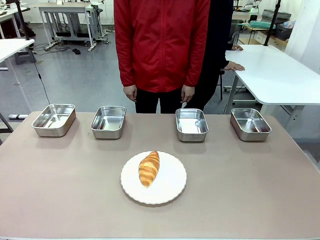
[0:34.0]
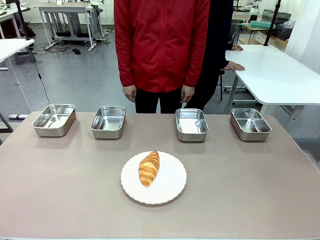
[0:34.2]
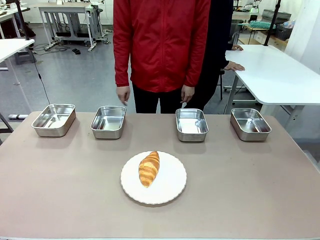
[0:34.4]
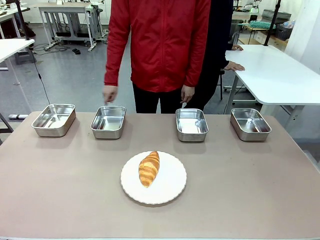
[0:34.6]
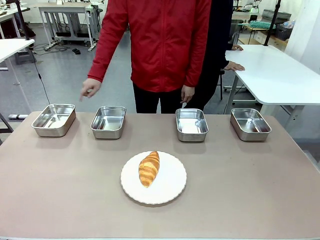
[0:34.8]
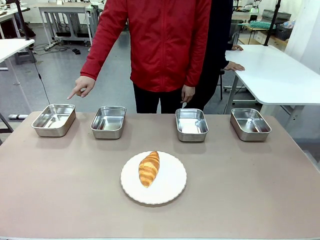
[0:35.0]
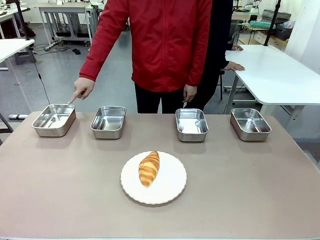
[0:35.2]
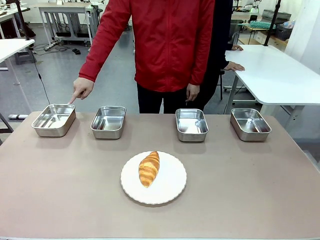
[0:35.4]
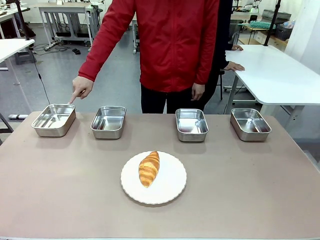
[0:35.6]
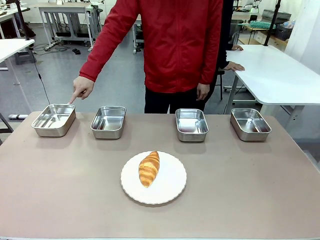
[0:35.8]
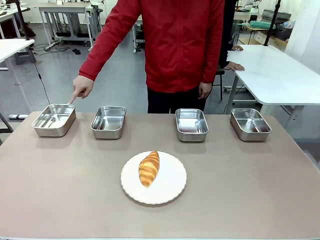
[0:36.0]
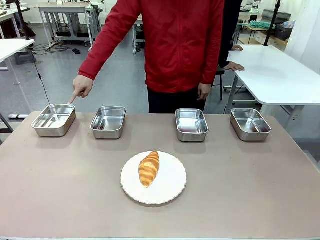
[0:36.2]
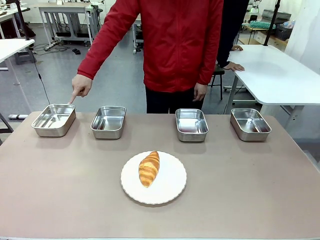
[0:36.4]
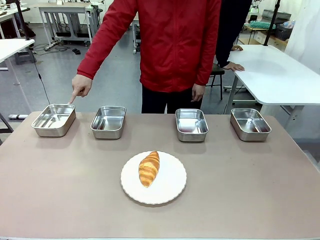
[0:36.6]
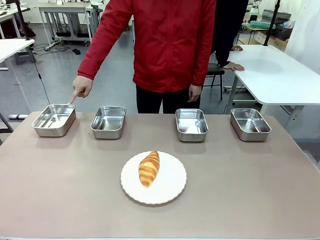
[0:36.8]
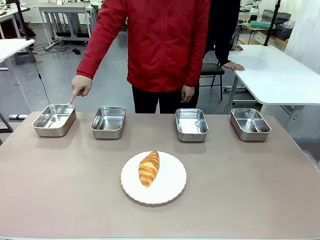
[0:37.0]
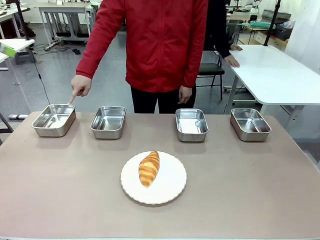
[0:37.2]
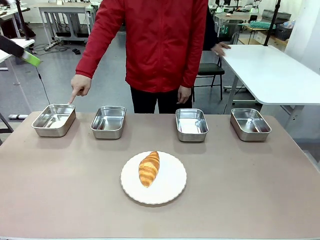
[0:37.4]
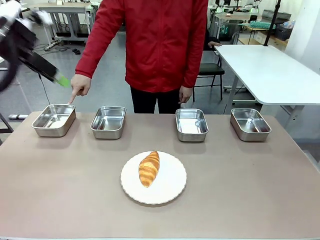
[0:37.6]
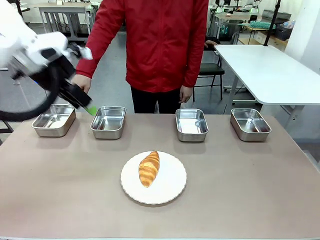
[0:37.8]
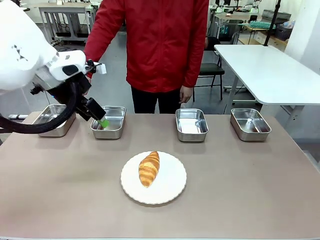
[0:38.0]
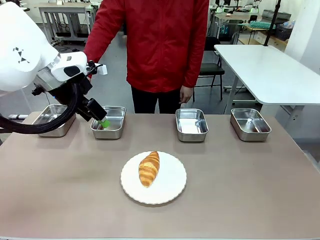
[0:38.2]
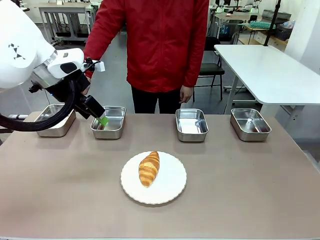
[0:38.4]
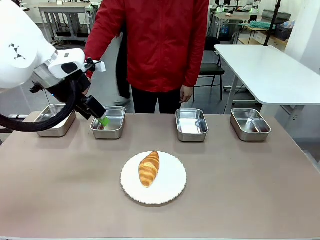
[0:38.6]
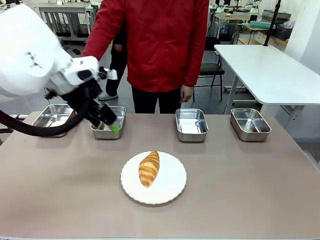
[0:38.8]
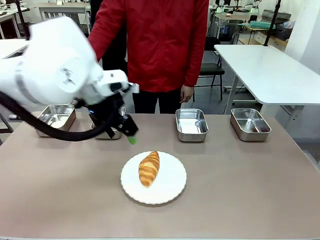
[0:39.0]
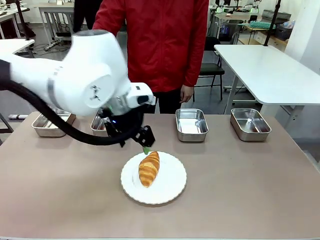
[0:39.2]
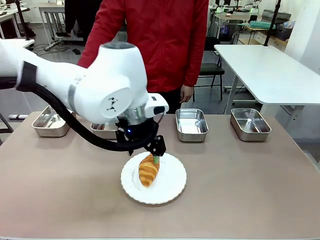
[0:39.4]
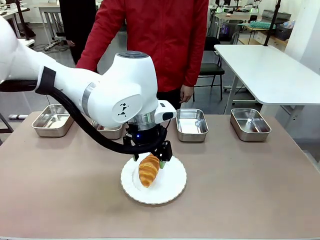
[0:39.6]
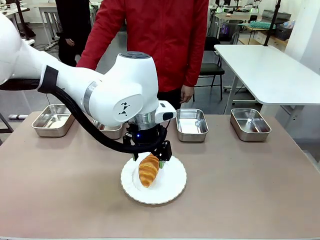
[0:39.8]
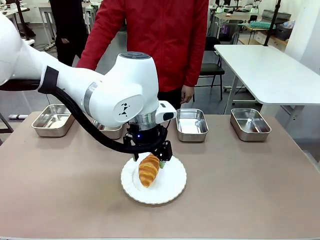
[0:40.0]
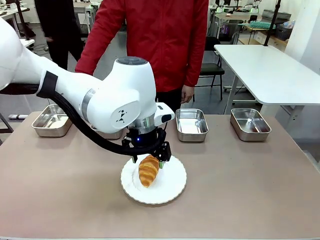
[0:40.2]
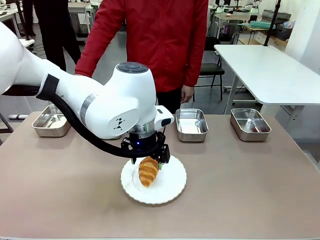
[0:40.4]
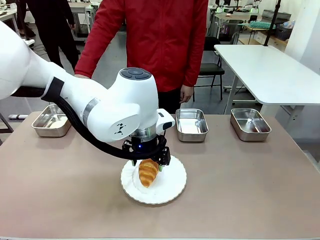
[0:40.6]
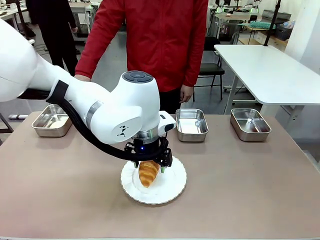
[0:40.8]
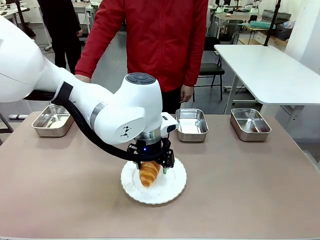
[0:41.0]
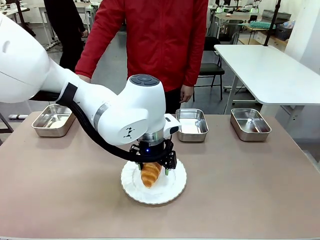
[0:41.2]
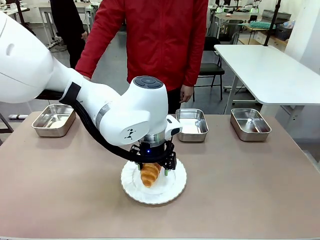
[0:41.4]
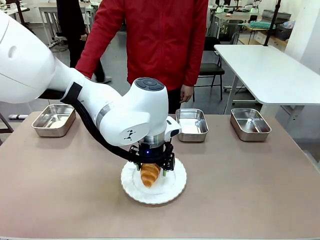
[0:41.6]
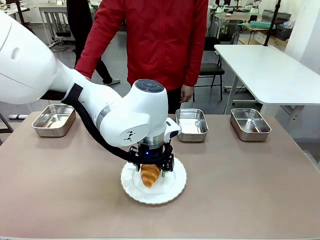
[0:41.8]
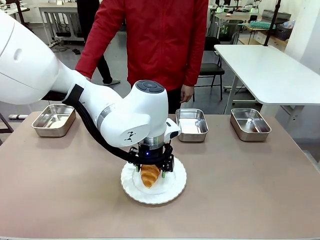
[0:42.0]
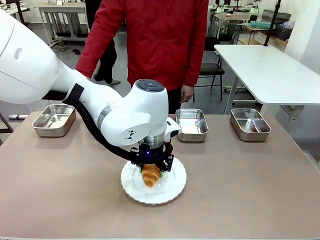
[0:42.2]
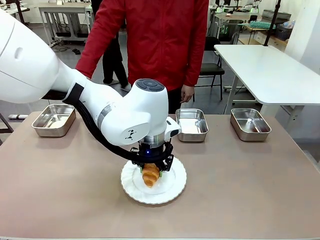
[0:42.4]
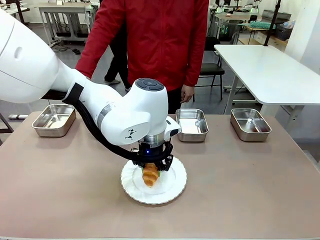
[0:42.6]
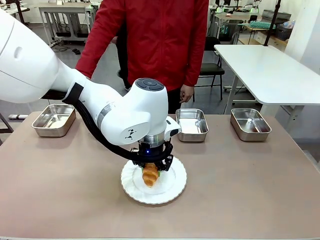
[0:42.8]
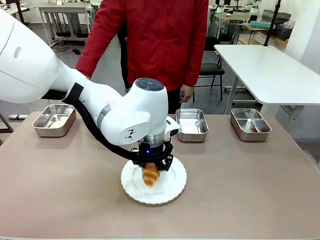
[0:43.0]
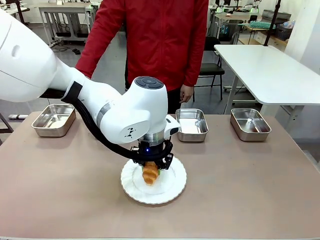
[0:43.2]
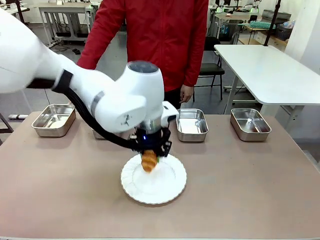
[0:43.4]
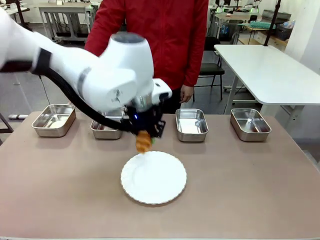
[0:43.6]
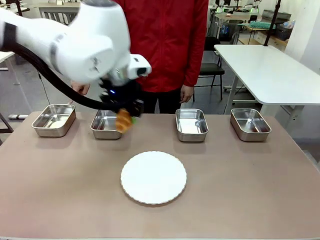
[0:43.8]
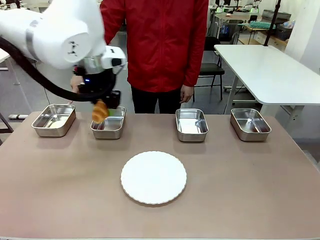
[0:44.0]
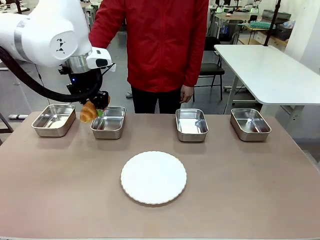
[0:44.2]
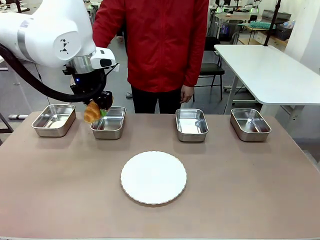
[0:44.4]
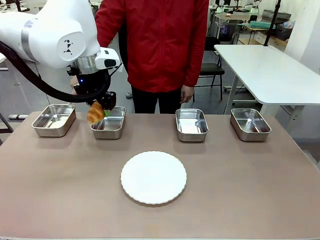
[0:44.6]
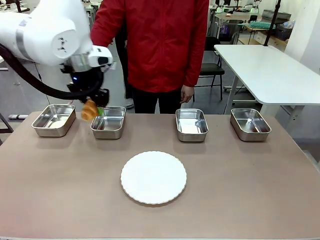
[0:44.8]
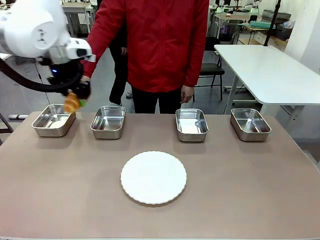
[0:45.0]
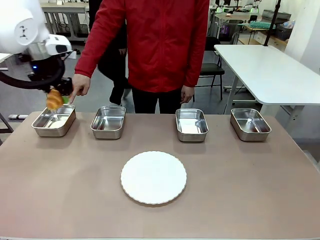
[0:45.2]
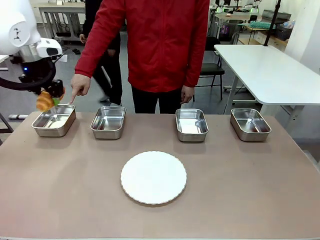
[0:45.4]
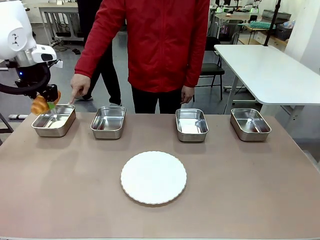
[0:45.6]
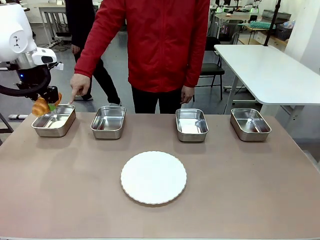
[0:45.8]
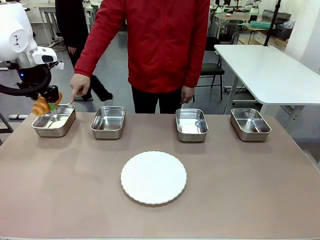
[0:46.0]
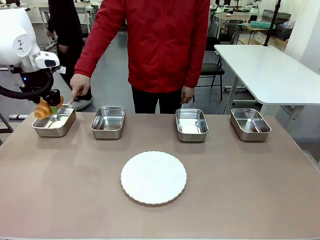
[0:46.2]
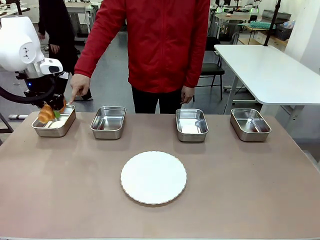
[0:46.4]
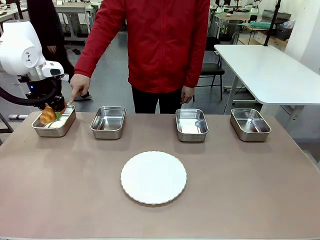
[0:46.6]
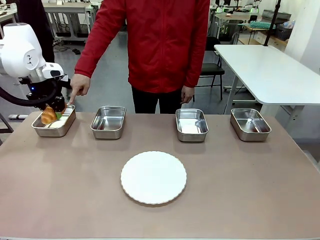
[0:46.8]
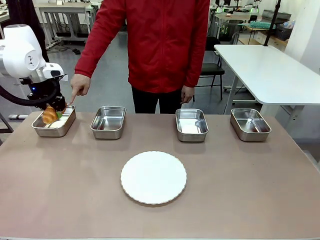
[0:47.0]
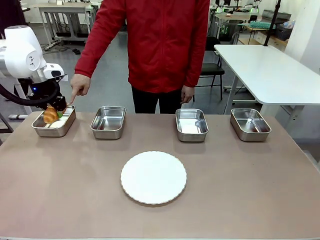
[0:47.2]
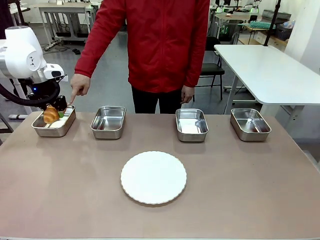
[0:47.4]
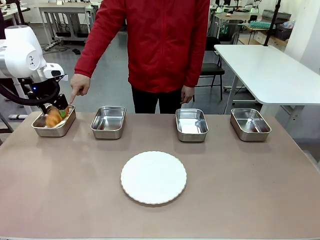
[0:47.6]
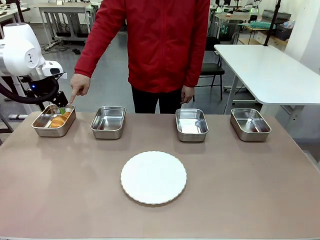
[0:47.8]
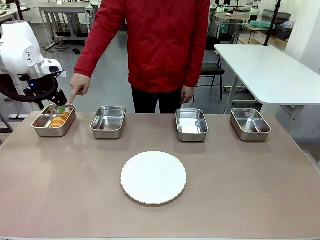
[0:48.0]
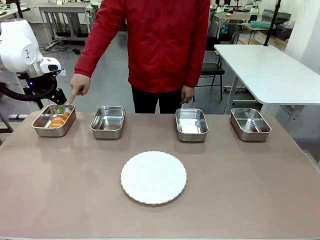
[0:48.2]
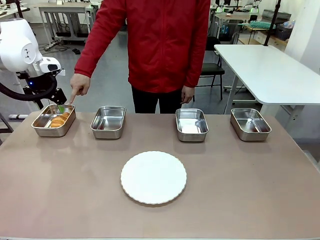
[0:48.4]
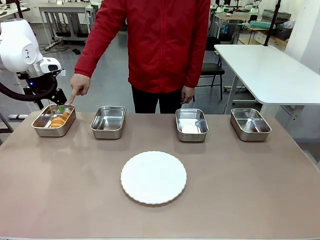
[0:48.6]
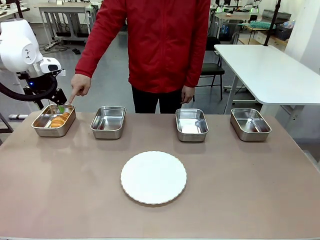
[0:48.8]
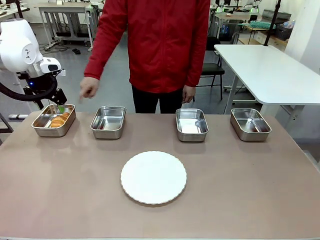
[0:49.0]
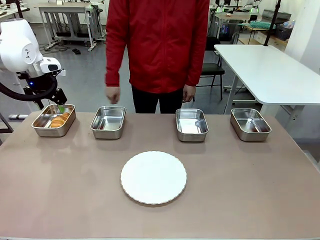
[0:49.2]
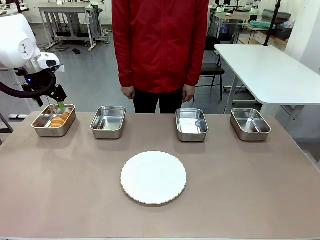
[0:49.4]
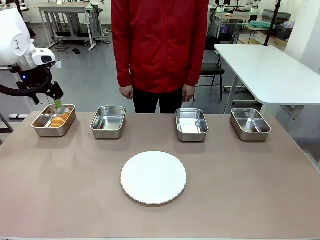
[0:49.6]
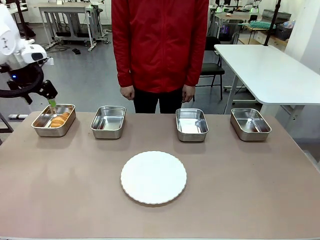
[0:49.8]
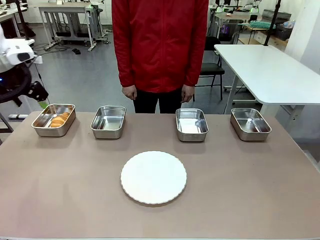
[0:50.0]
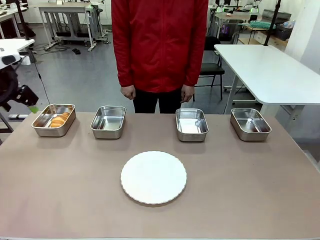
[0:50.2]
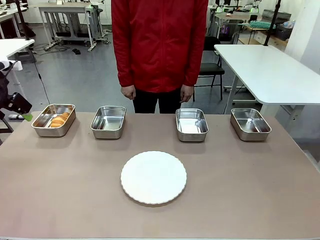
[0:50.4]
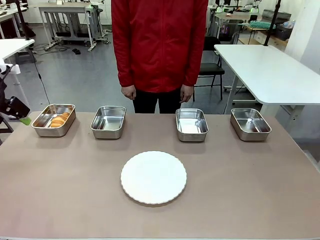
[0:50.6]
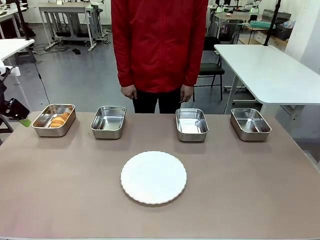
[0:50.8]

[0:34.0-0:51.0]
Task: Place the bread in the container.
Robot: Place the Butter Roll into the Airtight Container indicated by the human.
